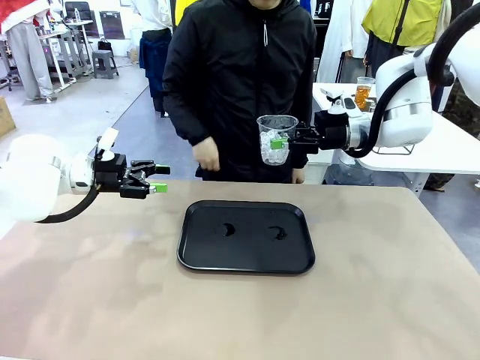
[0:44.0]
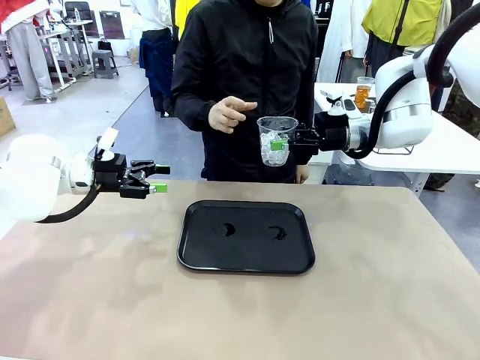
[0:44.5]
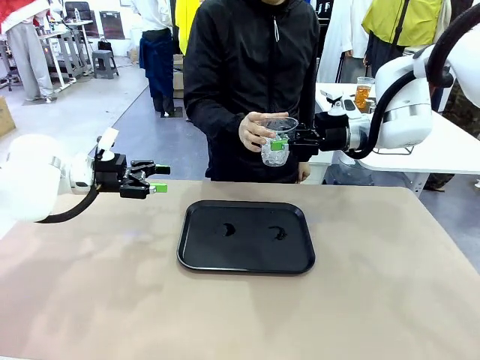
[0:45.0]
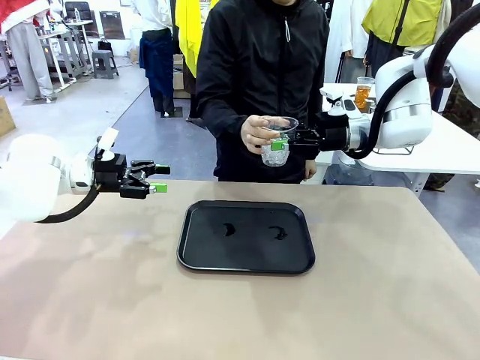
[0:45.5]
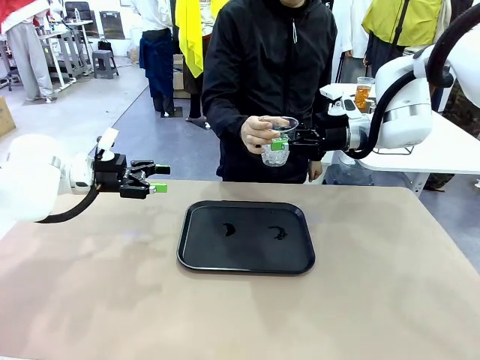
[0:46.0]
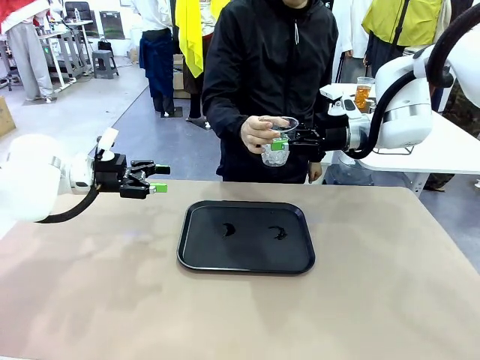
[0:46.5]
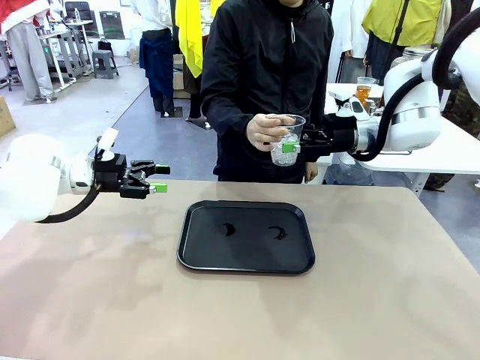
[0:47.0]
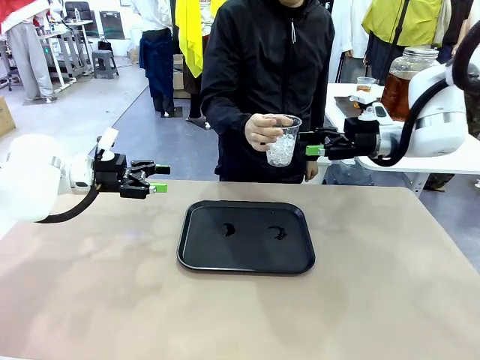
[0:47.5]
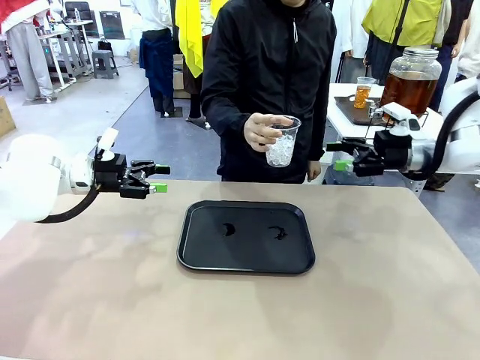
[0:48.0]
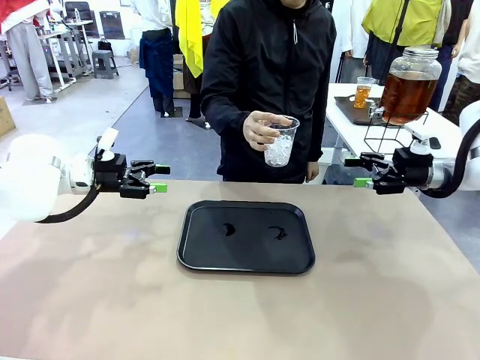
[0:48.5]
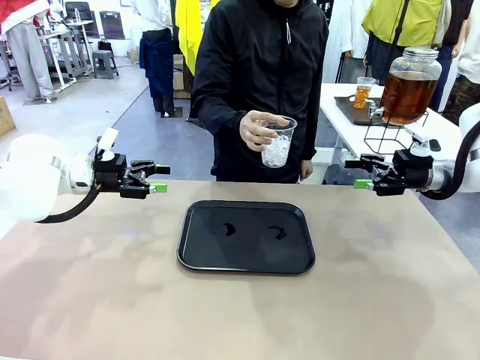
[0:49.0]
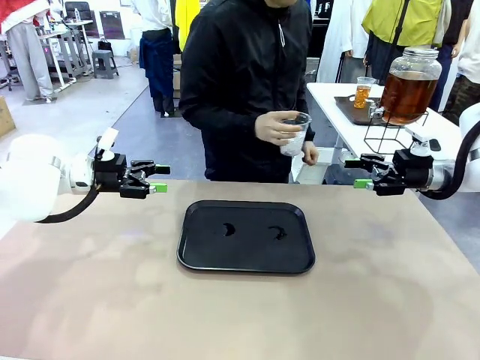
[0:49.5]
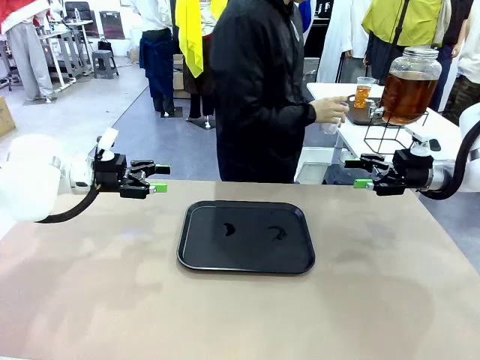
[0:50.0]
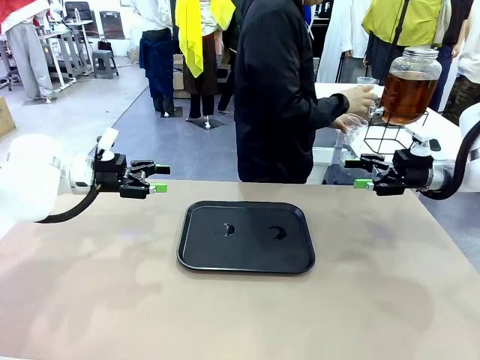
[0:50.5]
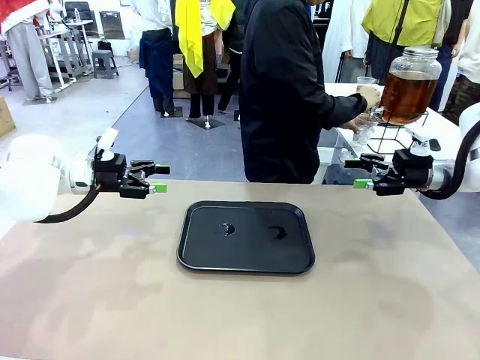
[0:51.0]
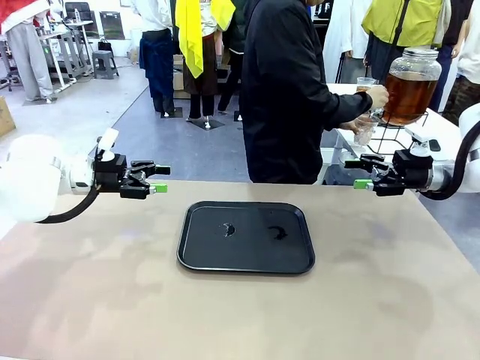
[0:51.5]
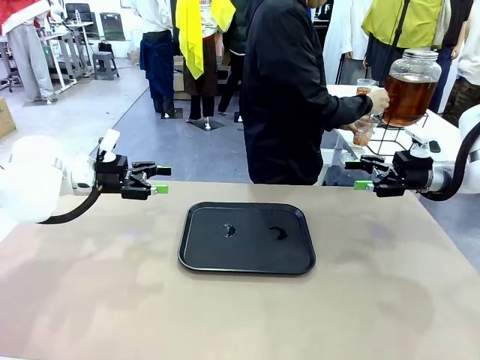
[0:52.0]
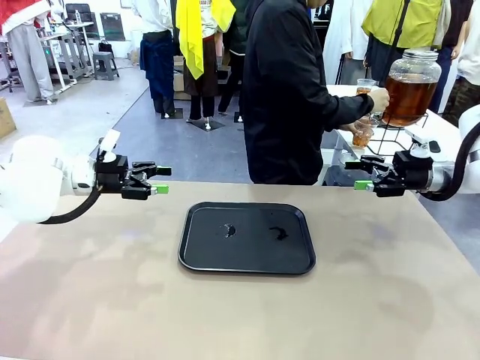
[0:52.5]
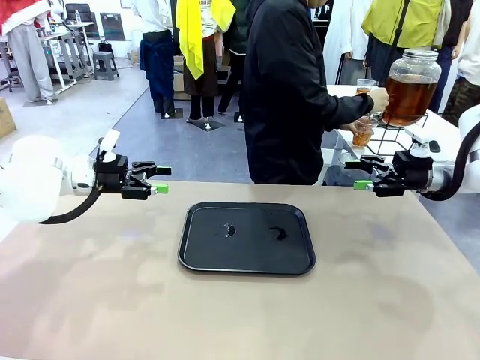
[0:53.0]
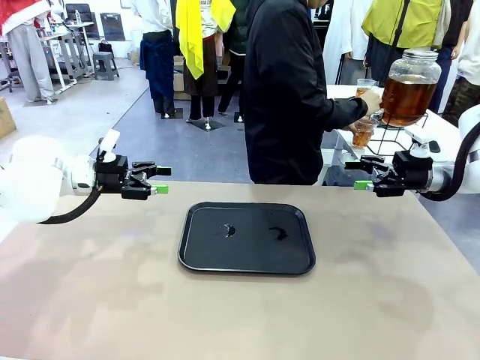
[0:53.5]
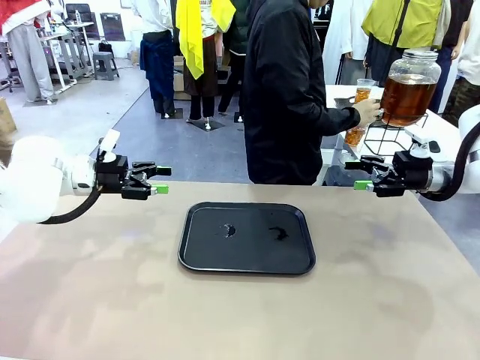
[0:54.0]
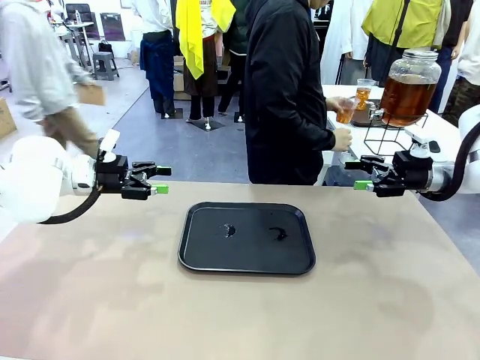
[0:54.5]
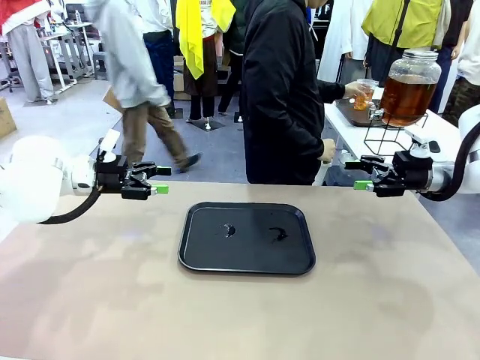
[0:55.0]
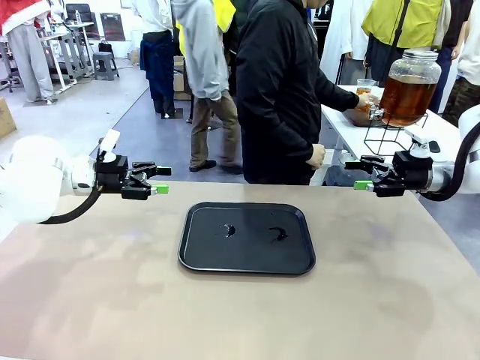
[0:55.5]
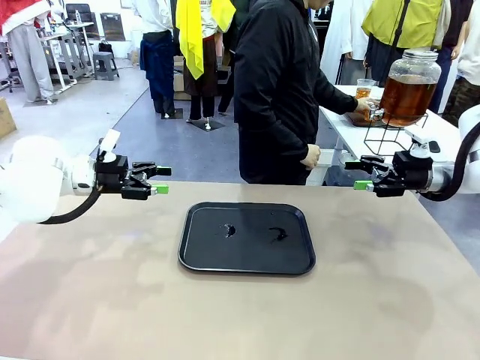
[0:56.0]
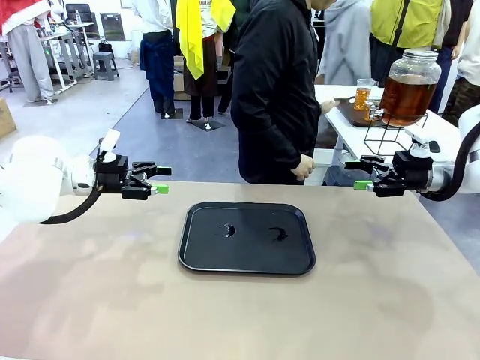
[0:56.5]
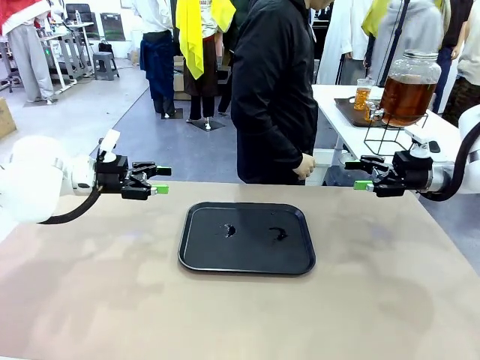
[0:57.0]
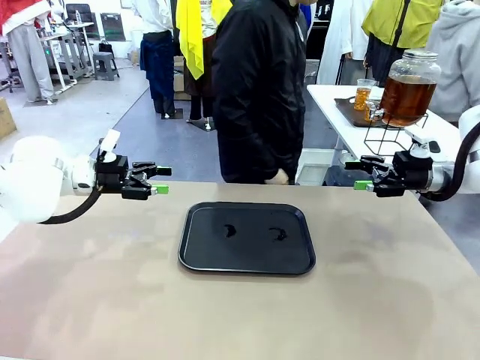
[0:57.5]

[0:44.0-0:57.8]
Task: Pour the drink into the iced cup.
Robot: Open the gripper to release the iced cup you were holding.
Person: Move the picked-up cup under the dispenser faucet, pour the drink, and place it on the tray on the human table.

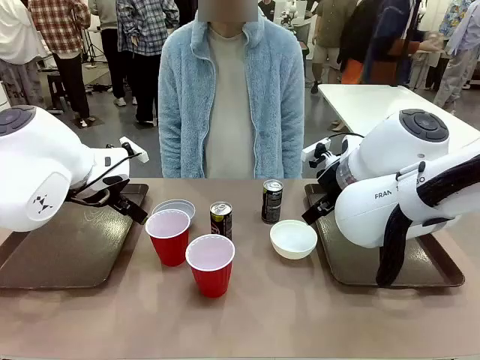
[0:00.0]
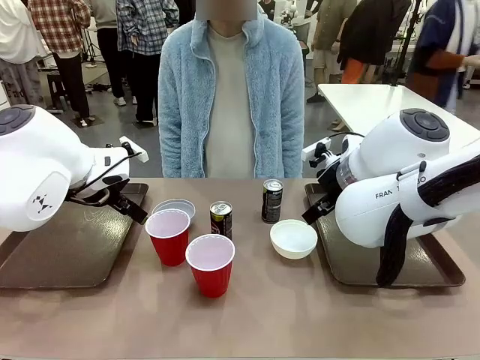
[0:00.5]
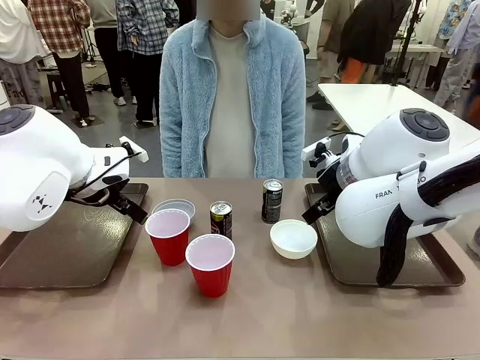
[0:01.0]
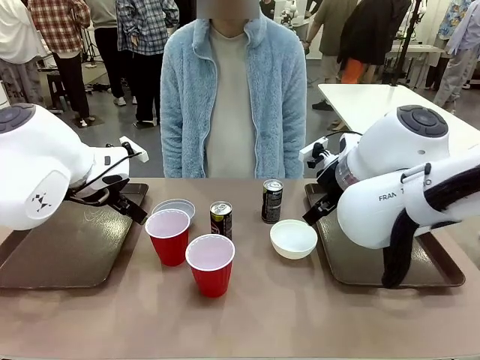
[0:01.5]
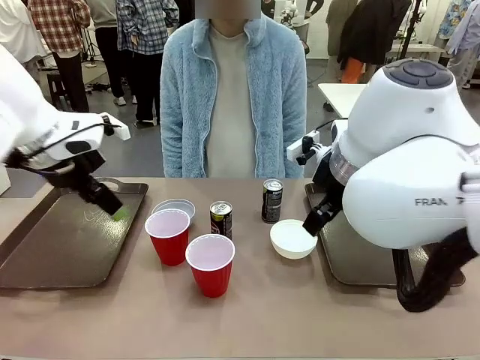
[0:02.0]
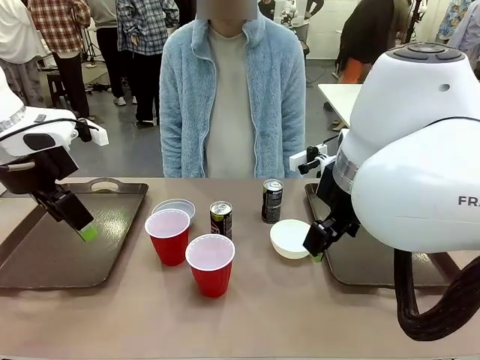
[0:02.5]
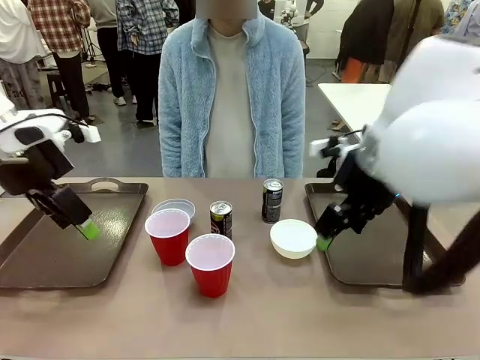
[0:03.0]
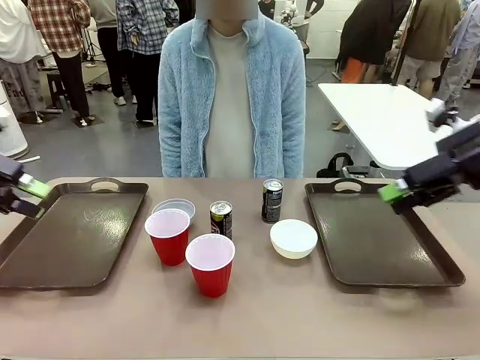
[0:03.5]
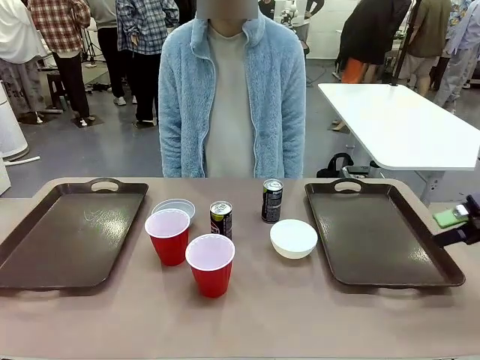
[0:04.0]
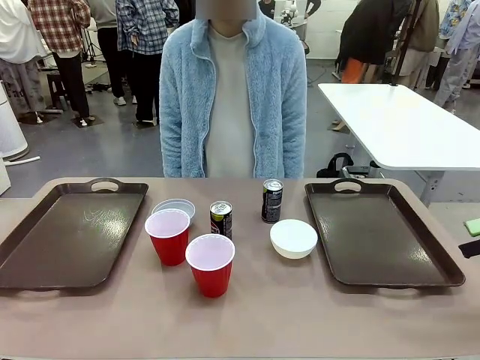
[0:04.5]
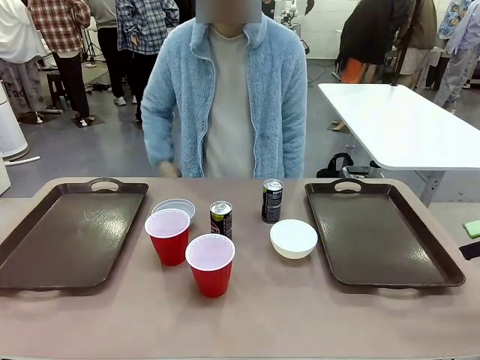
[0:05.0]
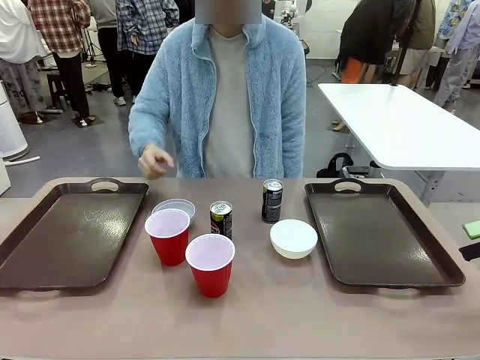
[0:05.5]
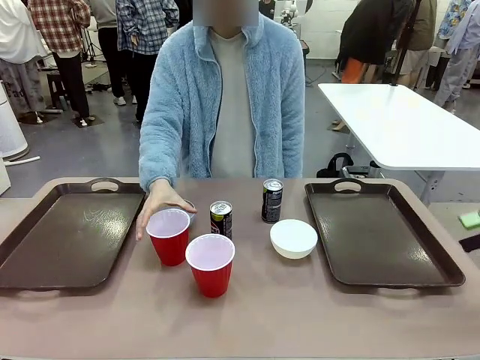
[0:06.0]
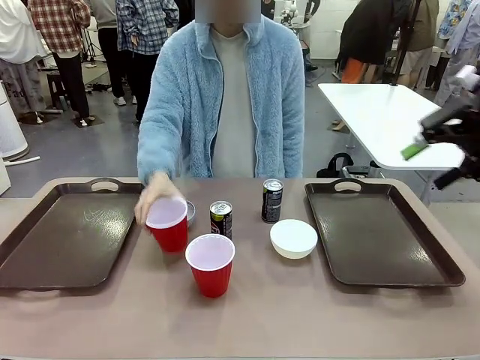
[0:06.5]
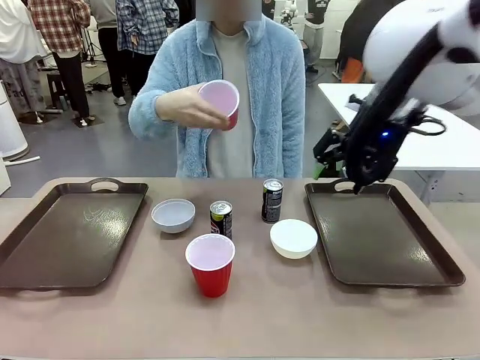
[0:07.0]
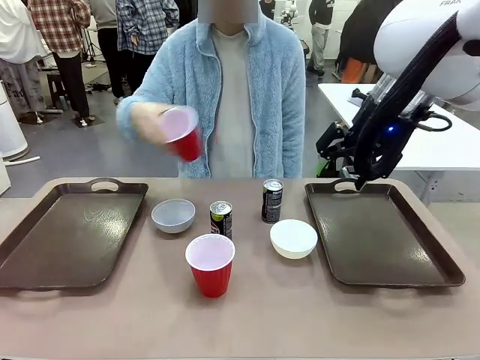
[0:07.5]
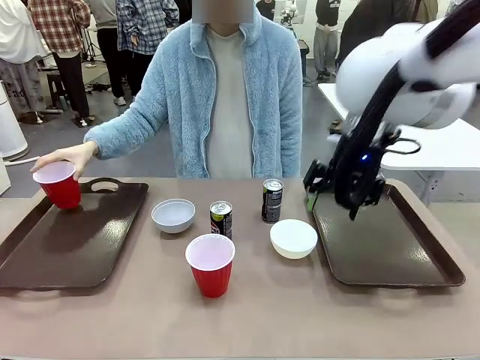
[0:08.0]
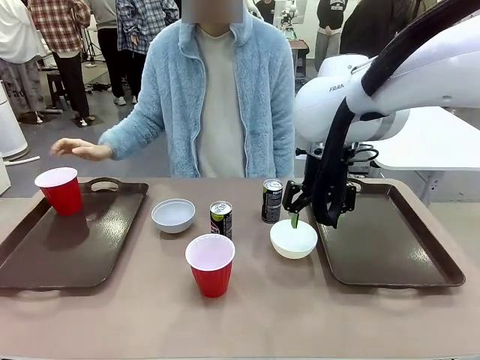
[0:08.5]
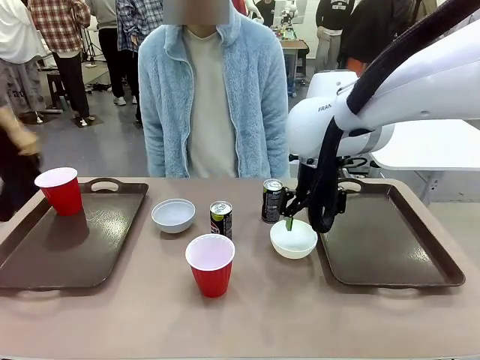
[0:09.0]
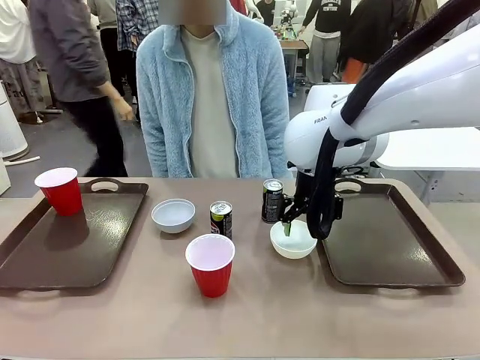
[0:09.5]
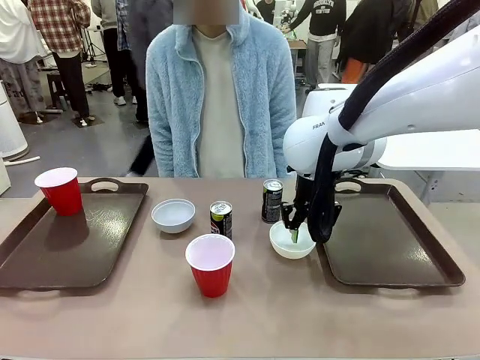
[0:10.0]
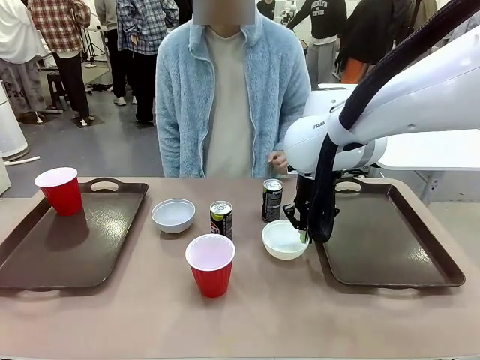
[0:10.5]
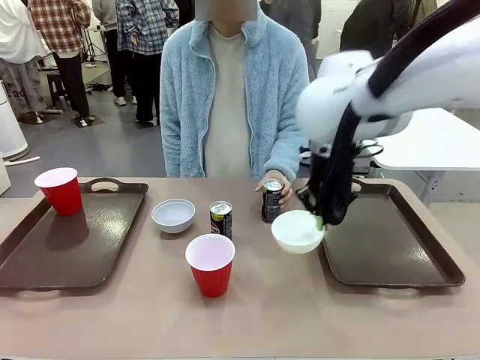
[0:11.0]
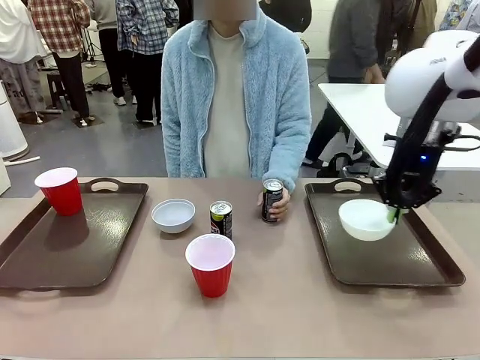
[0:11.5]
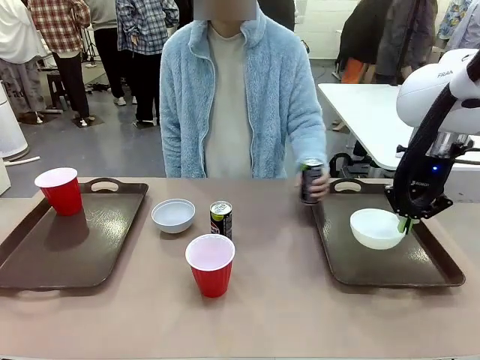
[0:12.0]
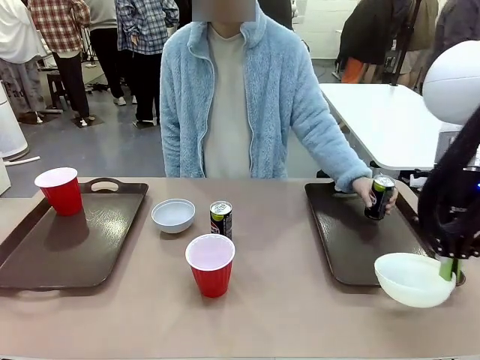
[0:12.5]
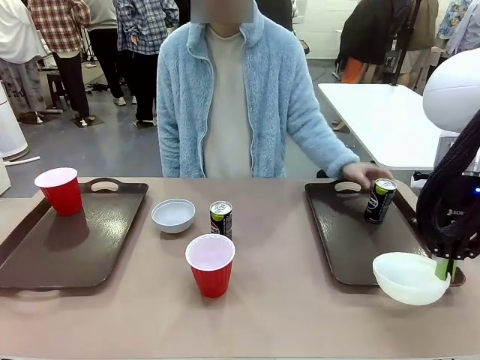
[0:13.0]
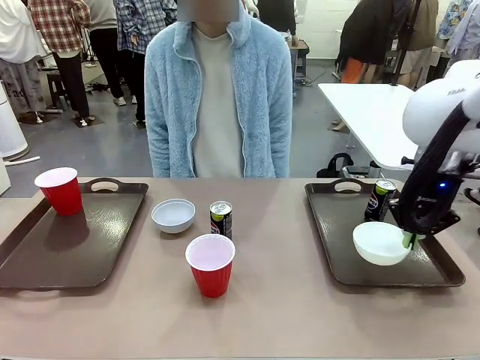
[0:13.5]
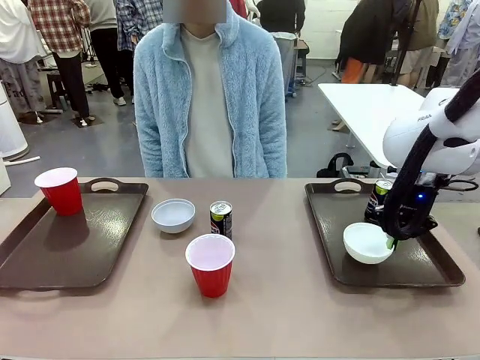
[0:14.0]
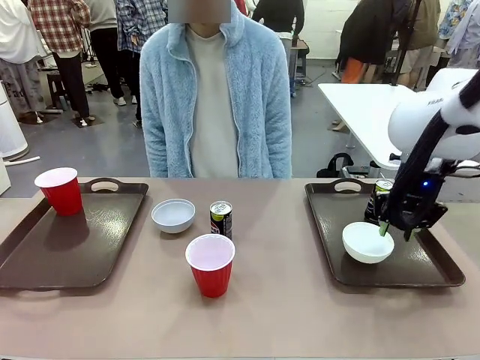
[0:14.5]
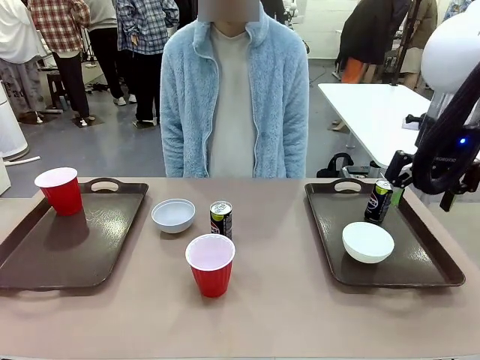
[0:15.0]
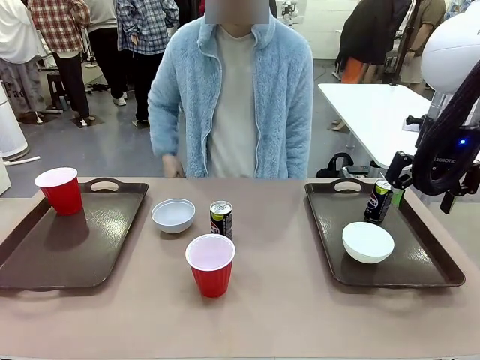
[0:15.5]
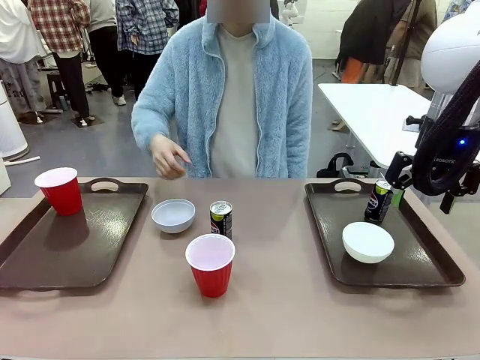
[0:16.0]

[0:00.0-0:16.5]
Task: Prepare tableware on both trays.
Robot: Pick up a Picnic Bowl from the table and place it on a Handle tray.
Person: Pick up a can or cup and place it on the tray.
